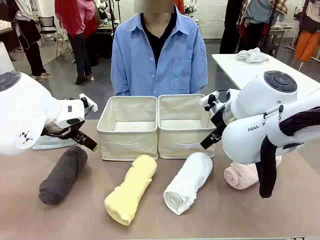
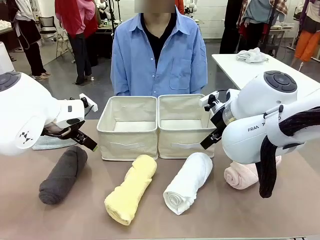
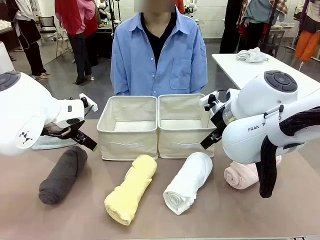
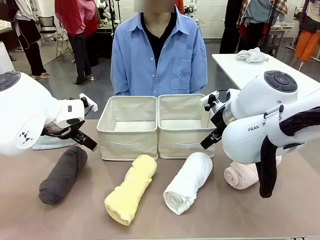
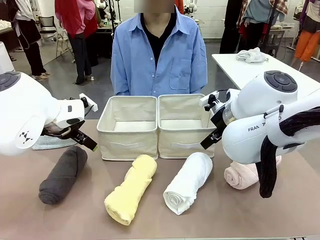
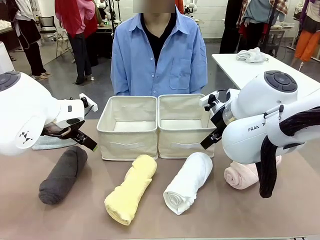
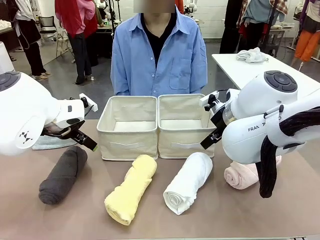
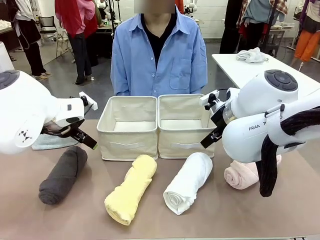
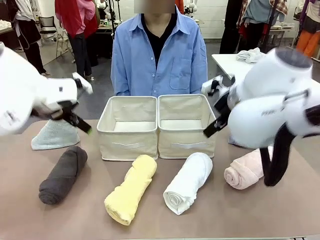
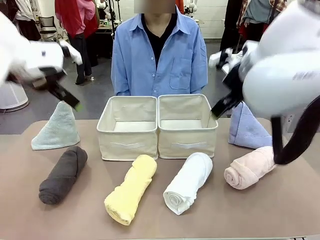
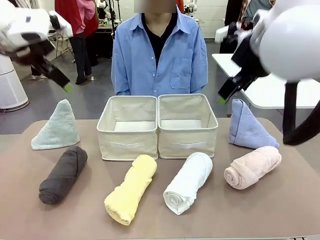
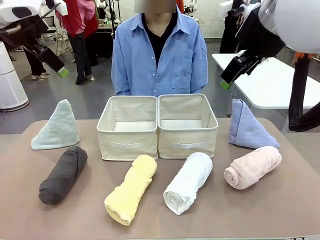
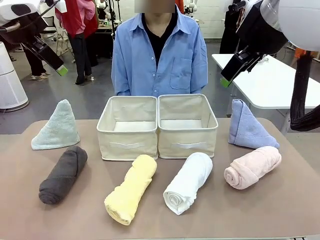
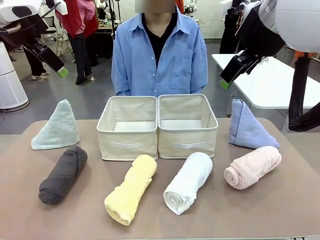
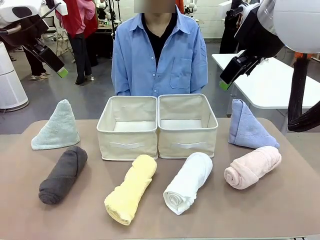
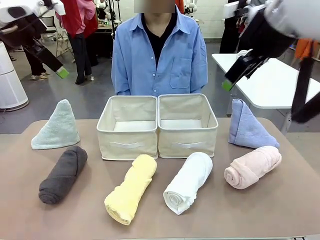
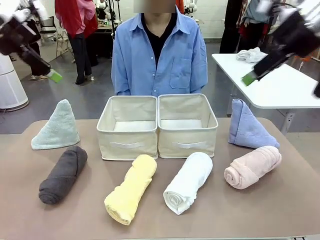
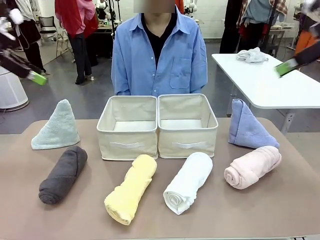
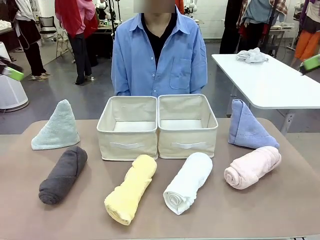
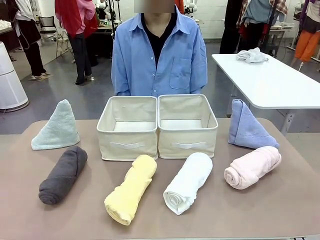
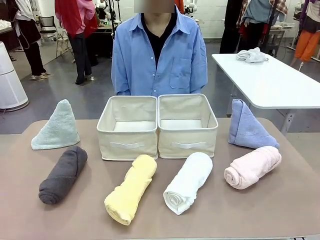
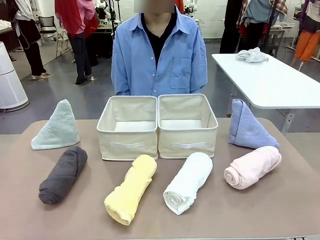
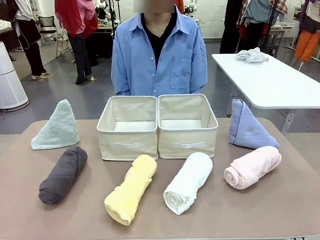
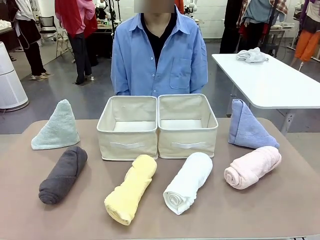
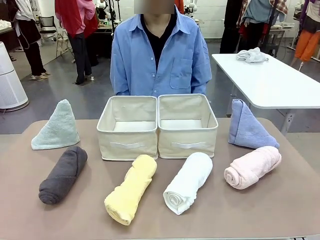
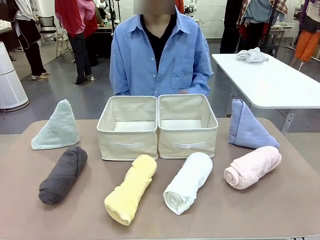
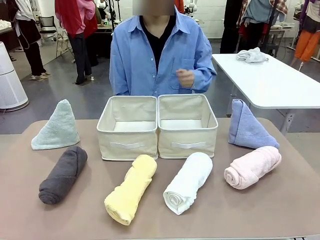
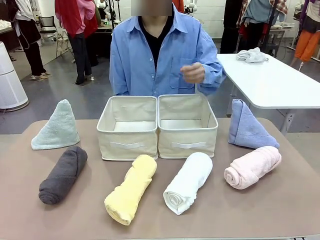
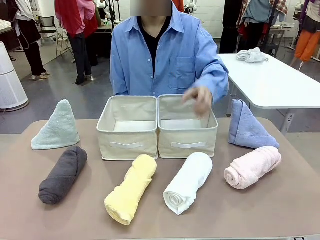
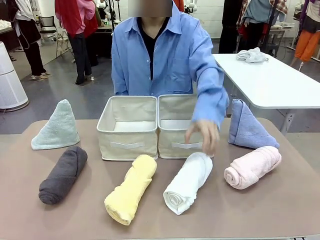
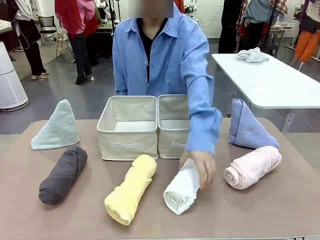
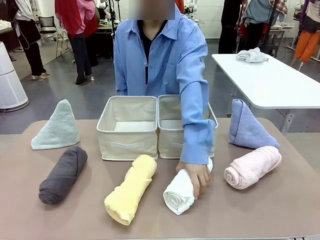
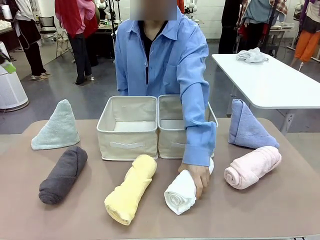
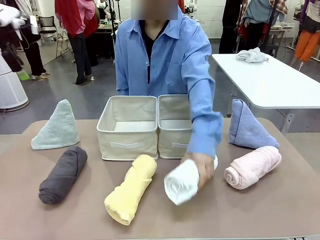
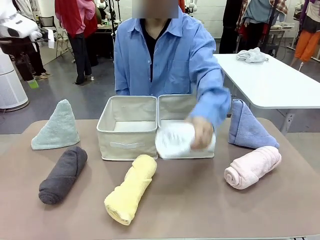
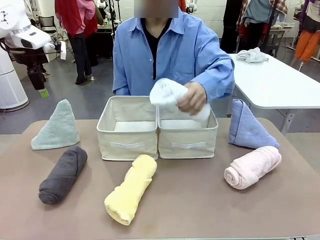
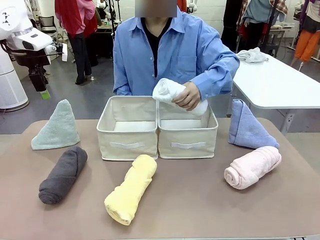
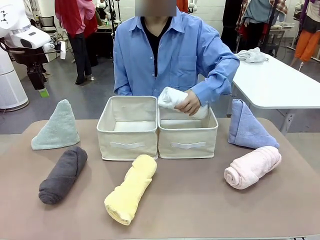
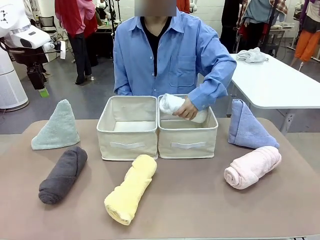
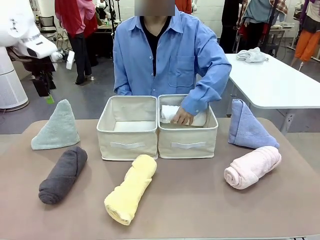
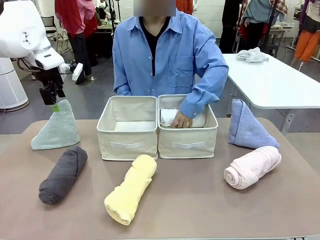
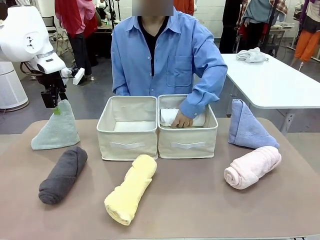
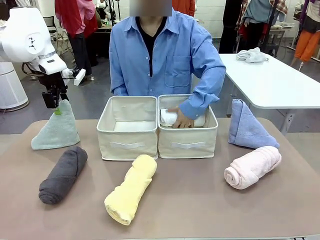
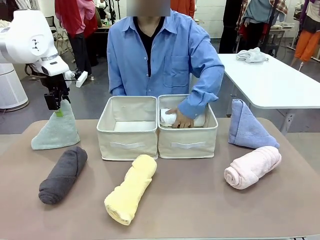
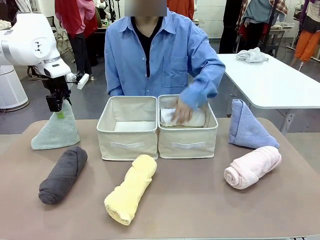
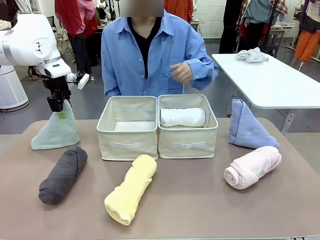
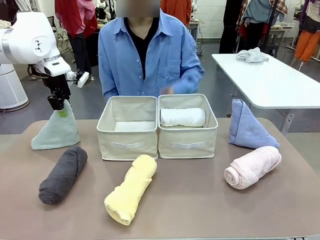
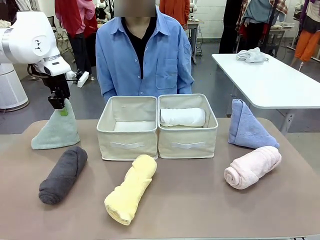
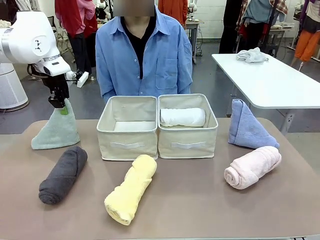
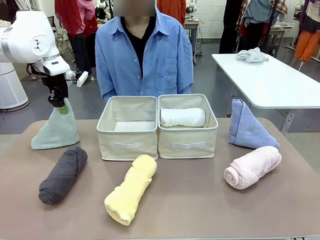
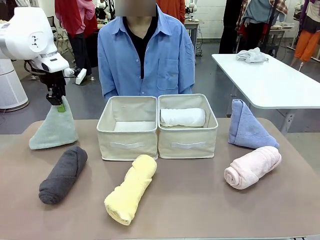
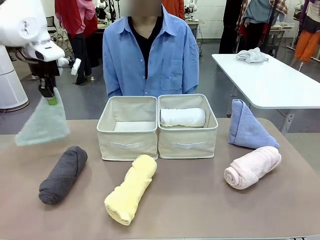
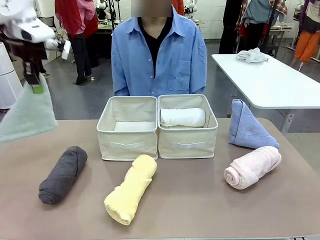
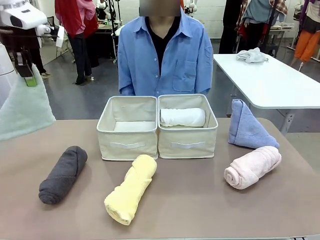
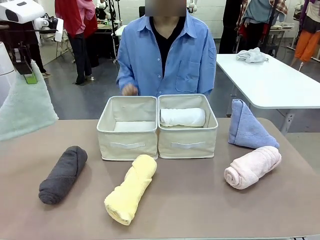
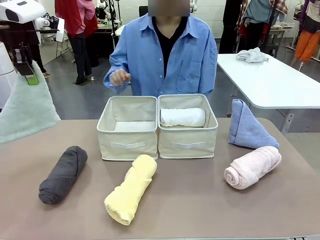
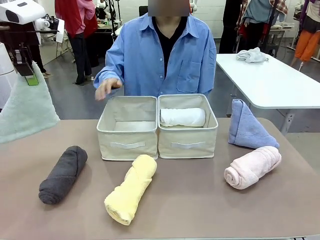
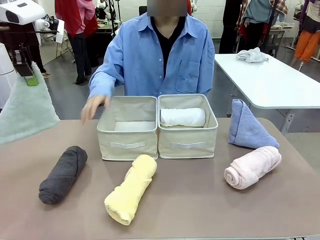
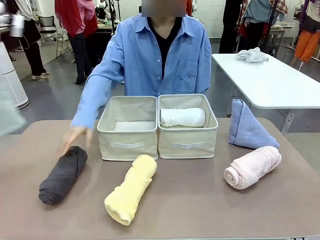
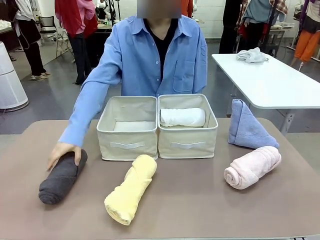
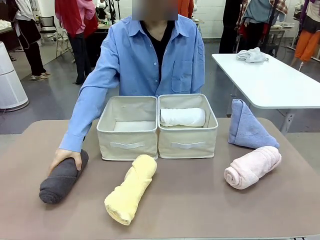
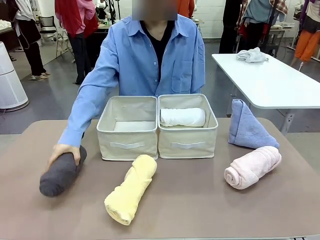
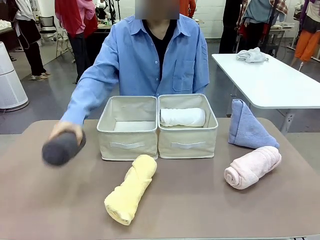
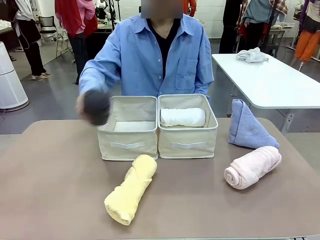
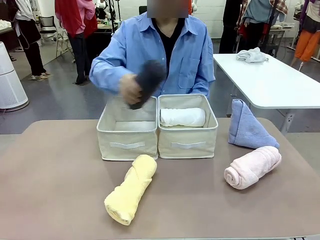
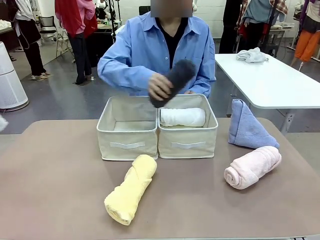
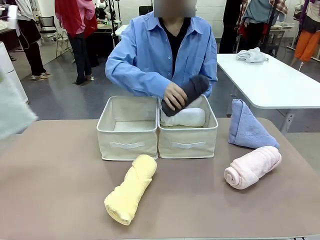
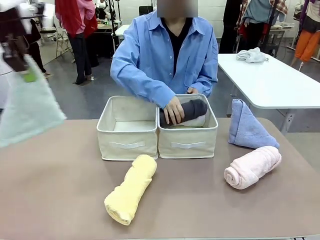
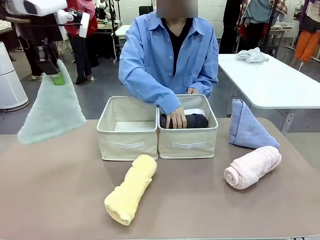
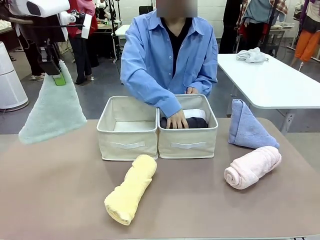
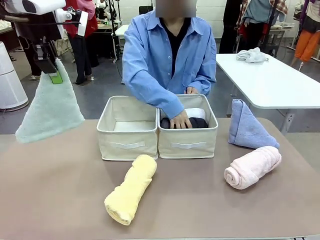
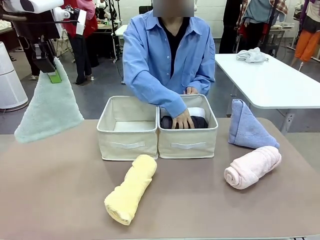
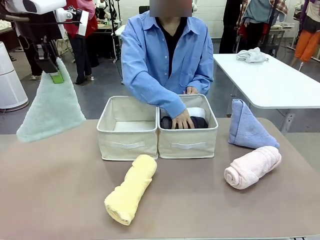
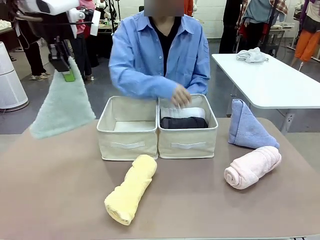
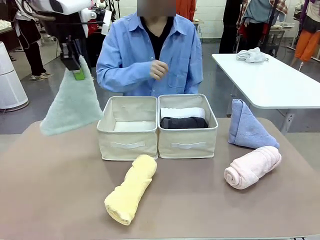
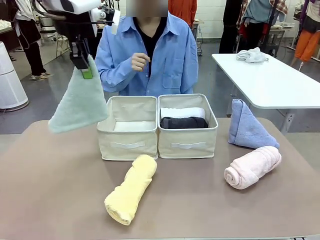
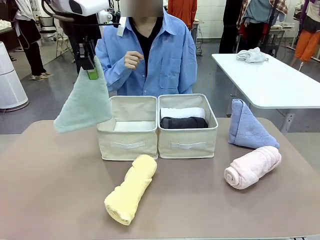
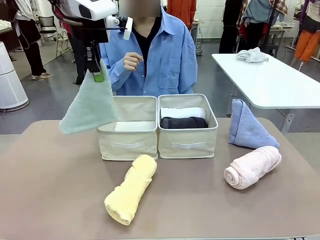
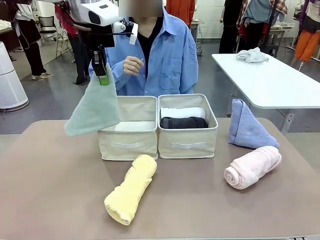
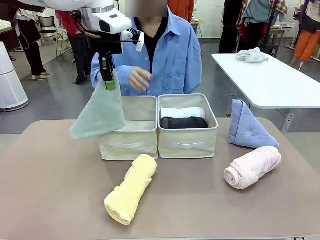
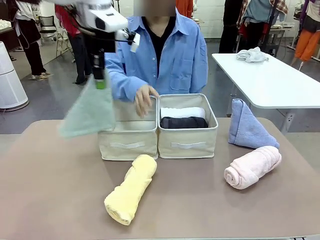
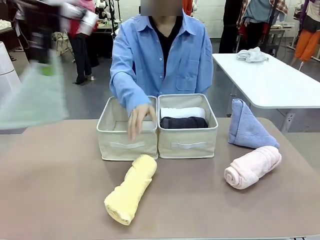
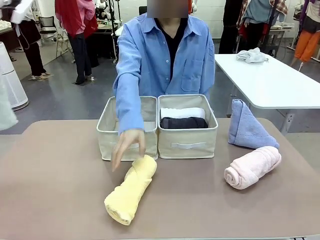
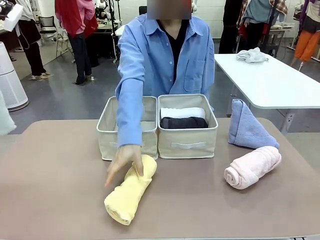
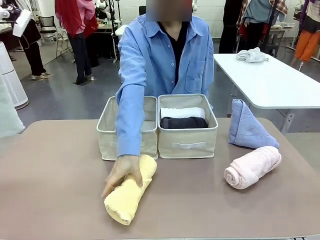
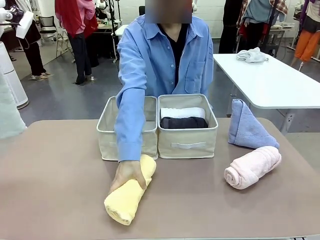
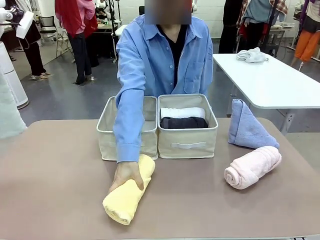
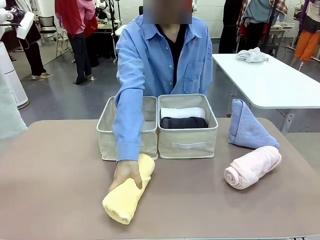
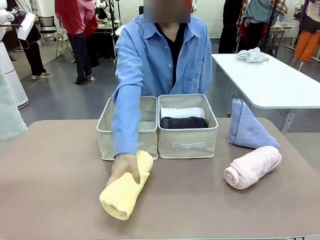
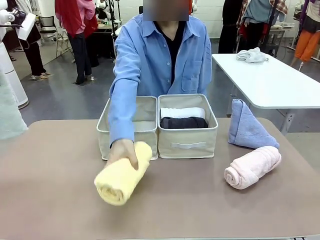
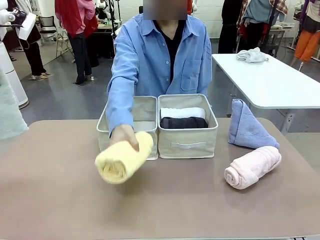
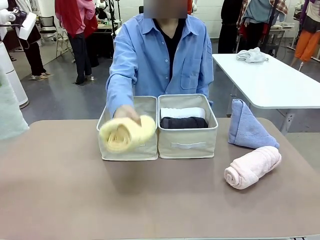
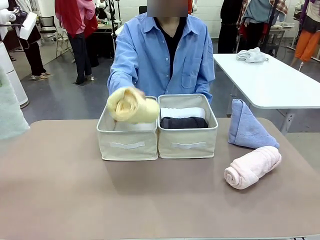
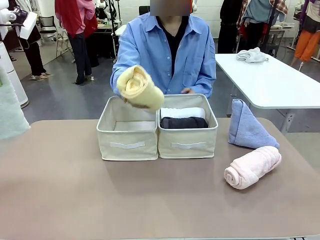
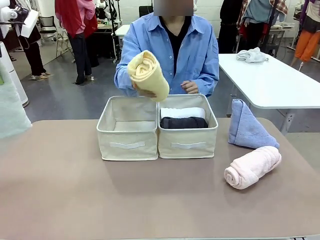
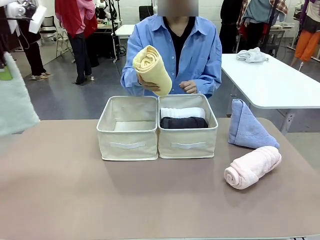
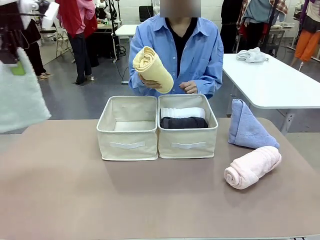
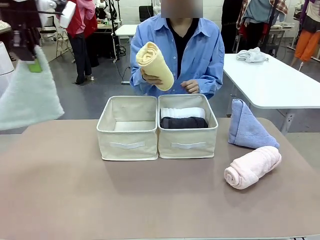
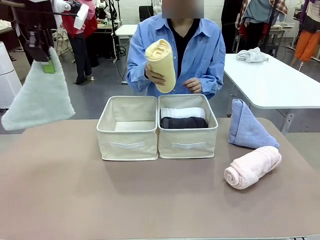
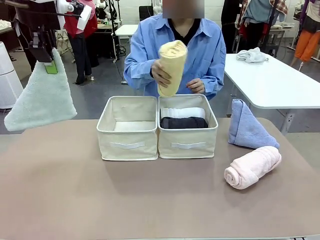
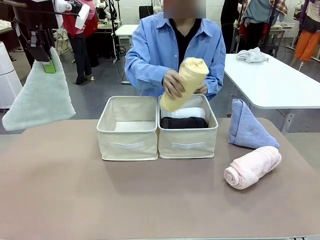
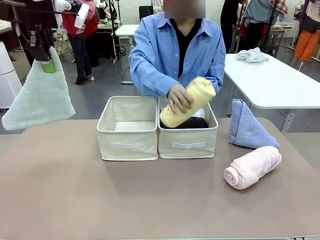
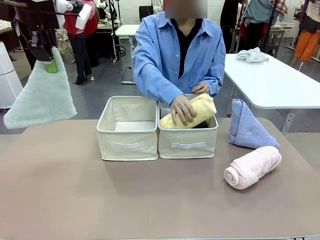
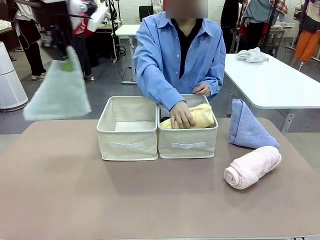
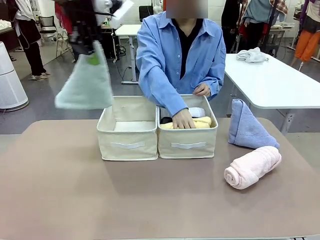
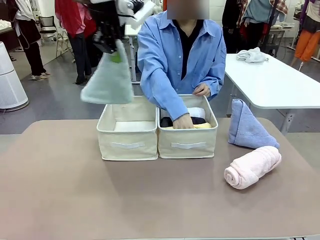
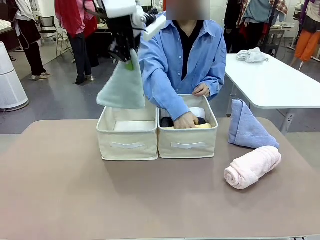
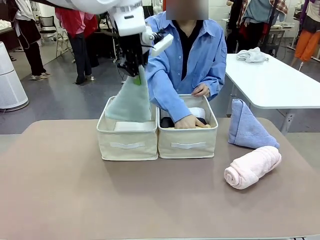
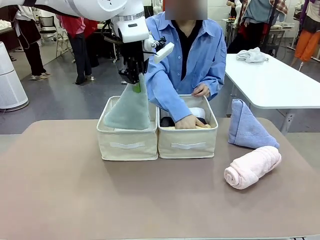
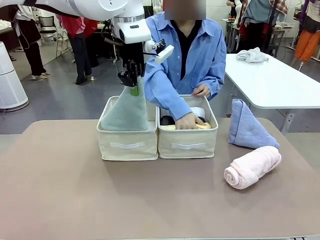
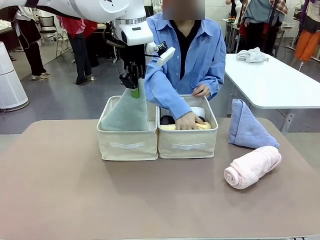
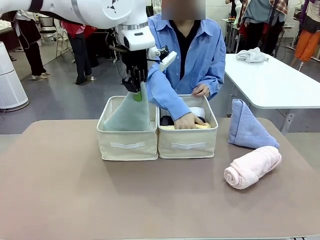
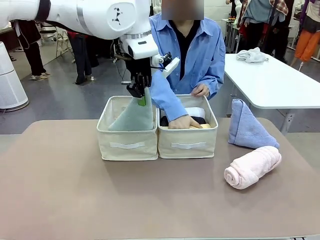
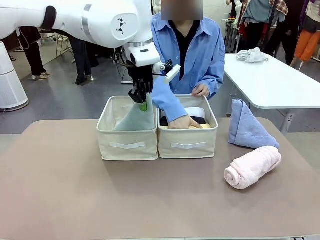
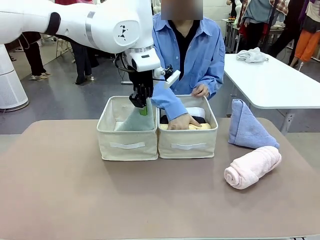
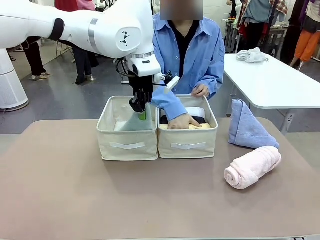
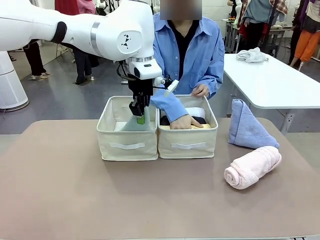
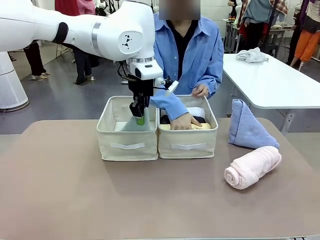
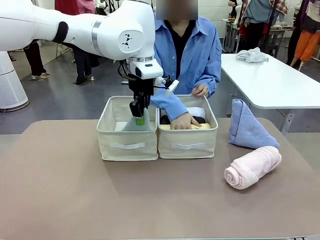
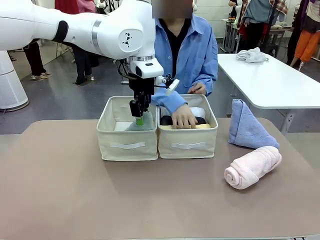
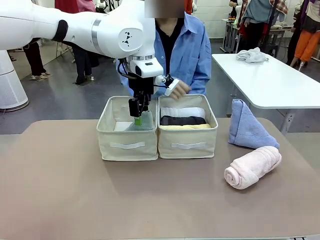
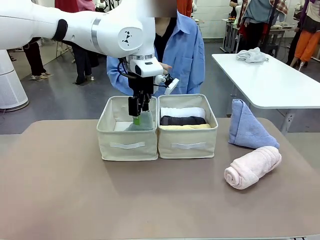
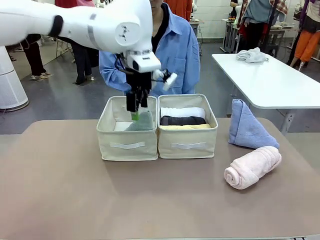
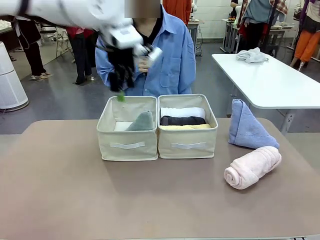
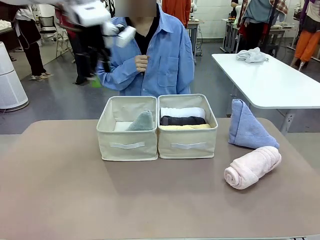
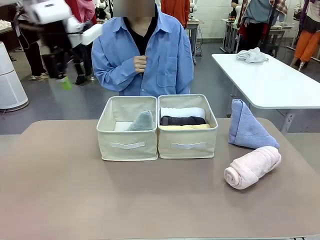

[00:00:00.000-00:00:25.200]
Task: Sort the towels based on their folding style.
Robot: Pick up one triangle-folded towel and place it in the left Fabric basket.
Person: Pick up one hotel-style rolled towel and place it in the left fabric basket.
